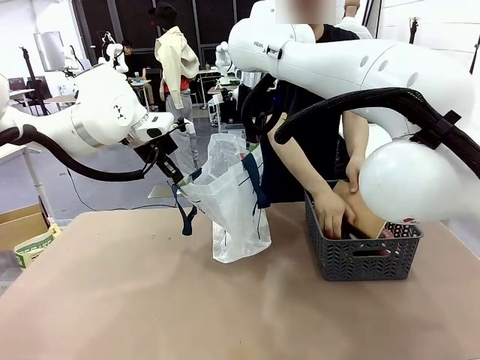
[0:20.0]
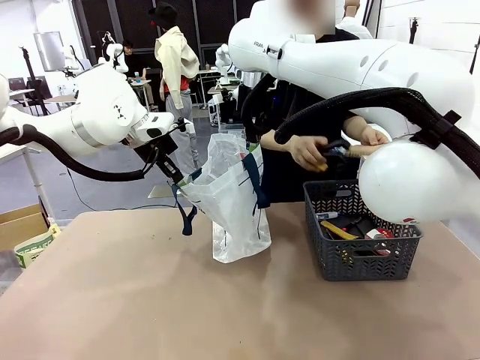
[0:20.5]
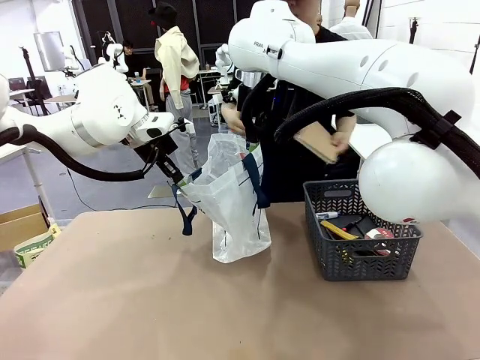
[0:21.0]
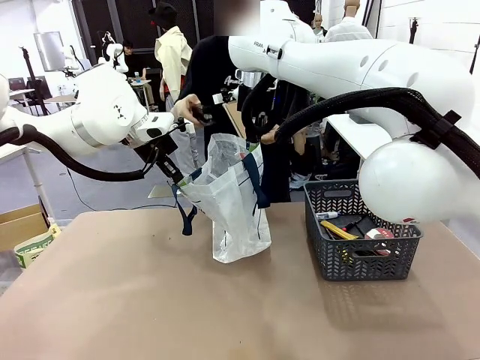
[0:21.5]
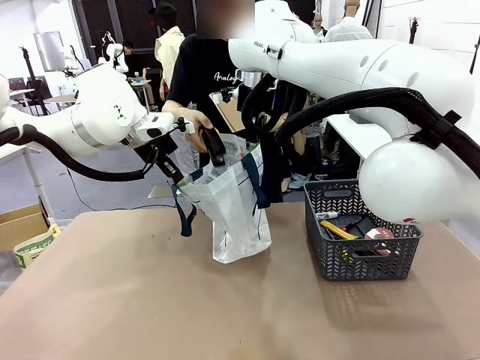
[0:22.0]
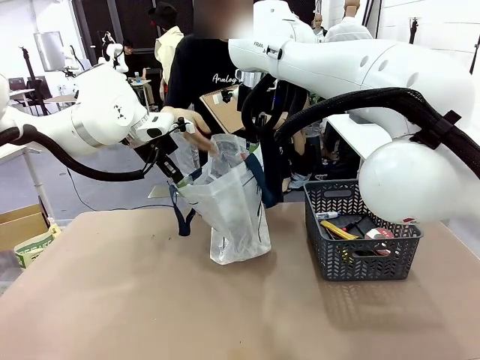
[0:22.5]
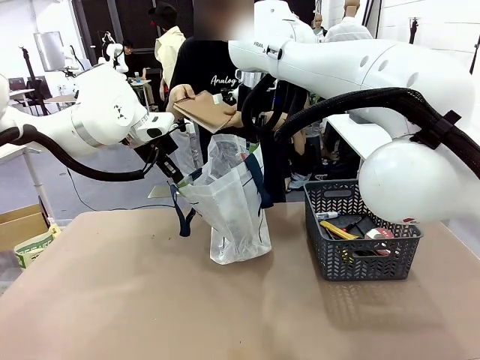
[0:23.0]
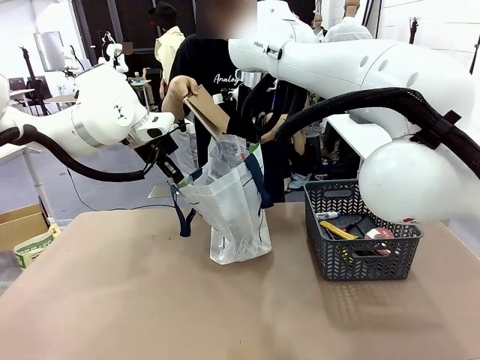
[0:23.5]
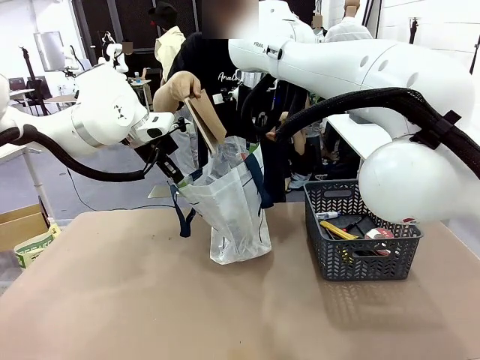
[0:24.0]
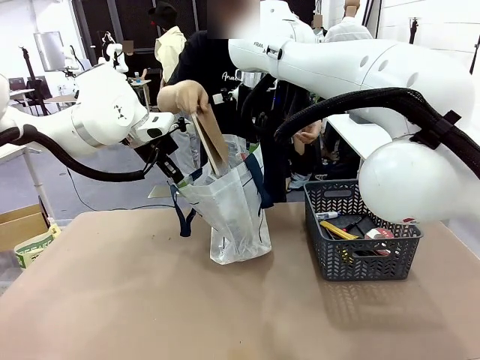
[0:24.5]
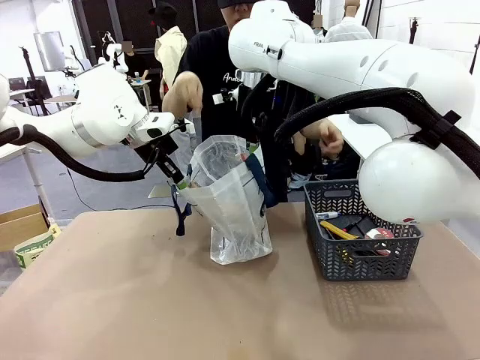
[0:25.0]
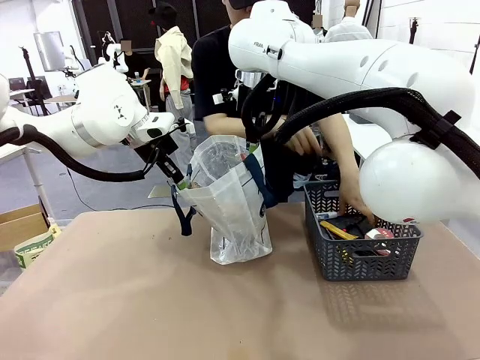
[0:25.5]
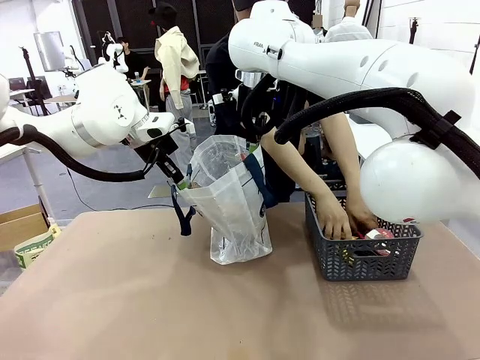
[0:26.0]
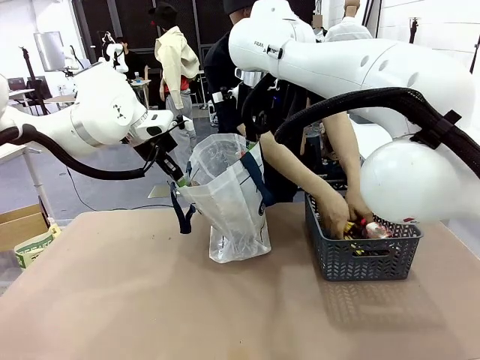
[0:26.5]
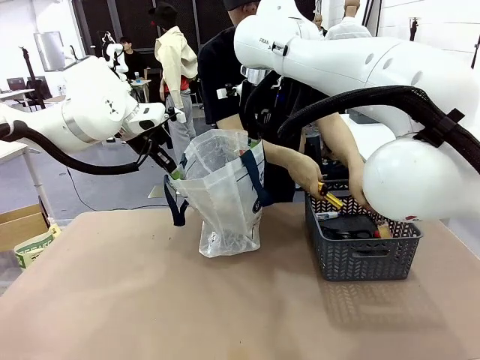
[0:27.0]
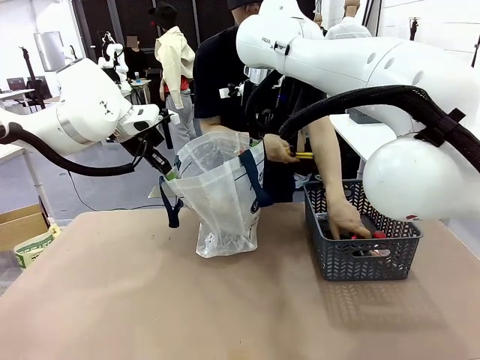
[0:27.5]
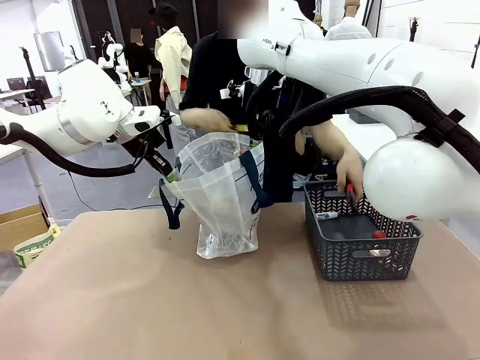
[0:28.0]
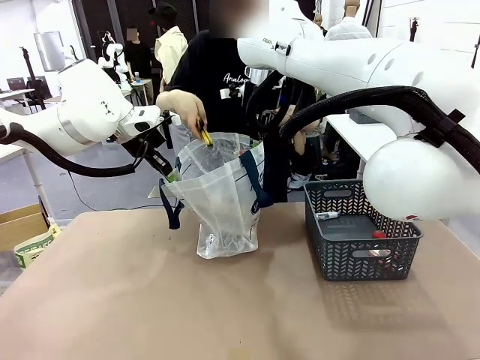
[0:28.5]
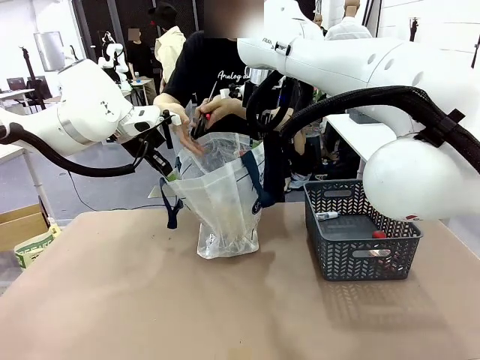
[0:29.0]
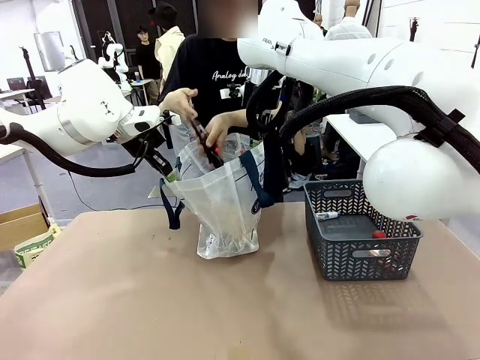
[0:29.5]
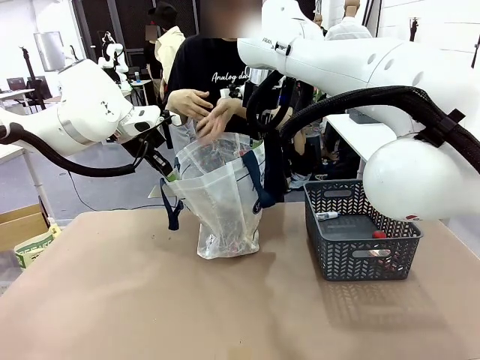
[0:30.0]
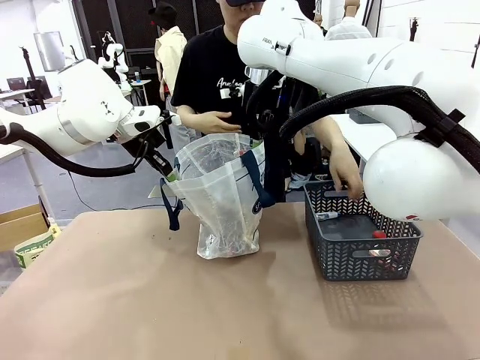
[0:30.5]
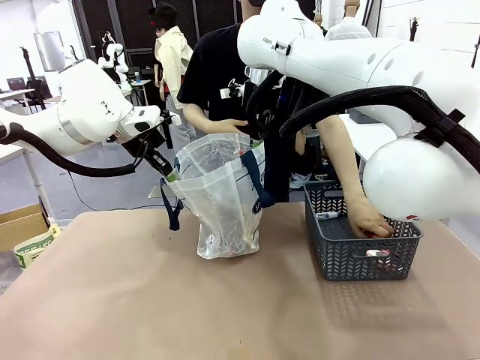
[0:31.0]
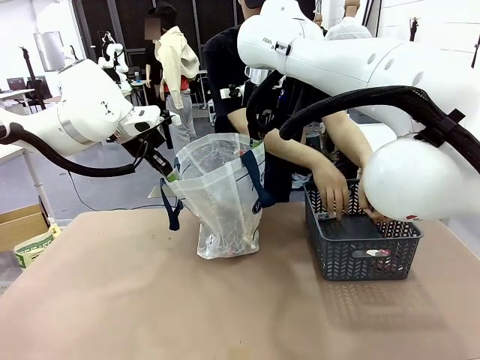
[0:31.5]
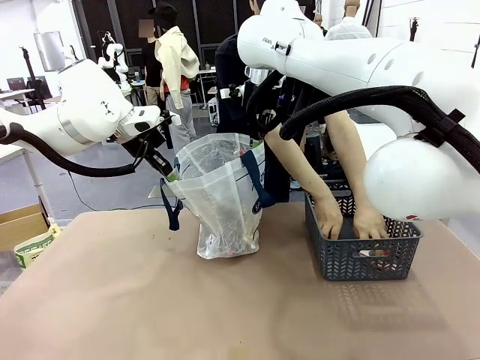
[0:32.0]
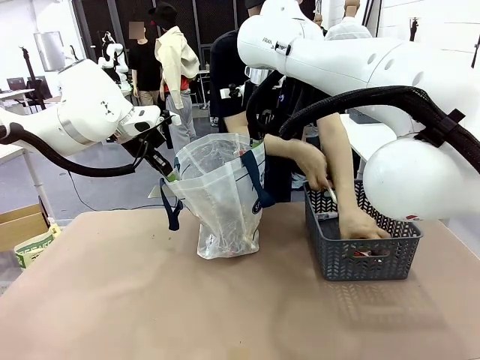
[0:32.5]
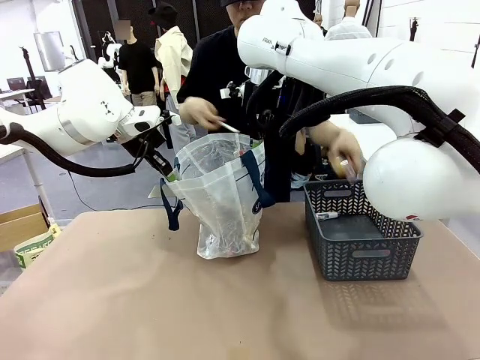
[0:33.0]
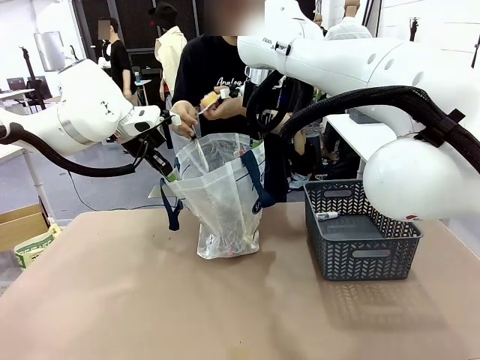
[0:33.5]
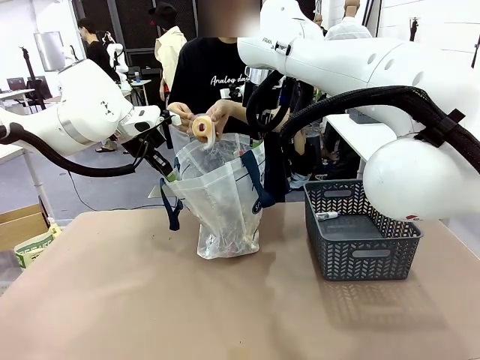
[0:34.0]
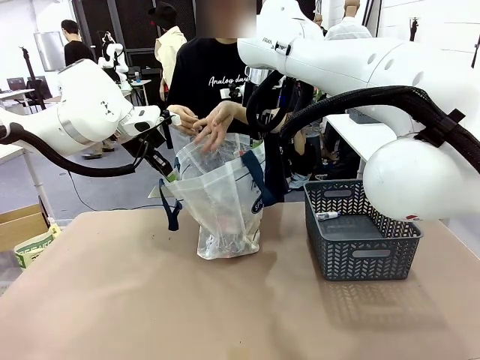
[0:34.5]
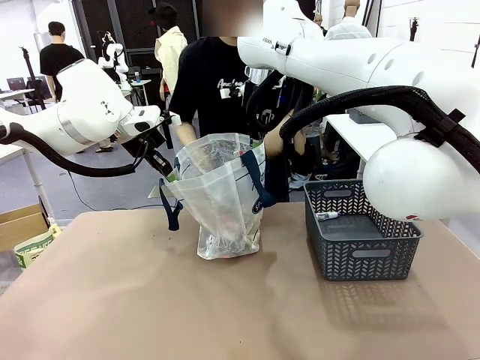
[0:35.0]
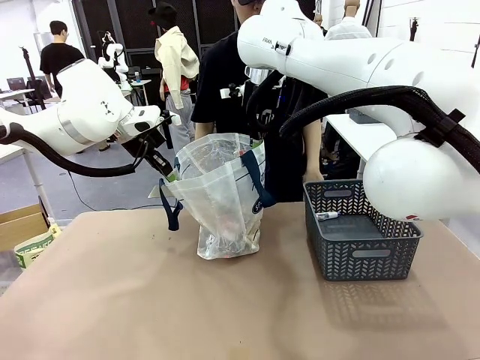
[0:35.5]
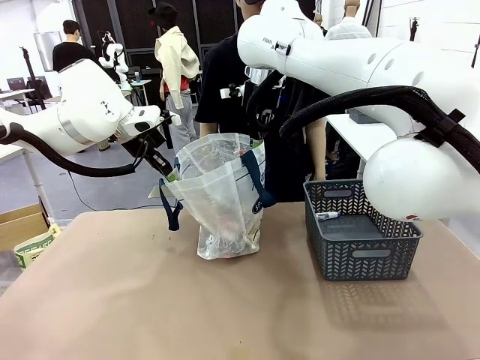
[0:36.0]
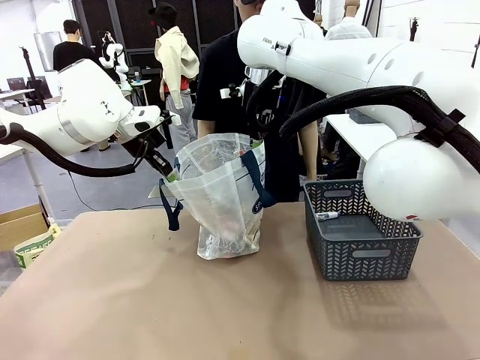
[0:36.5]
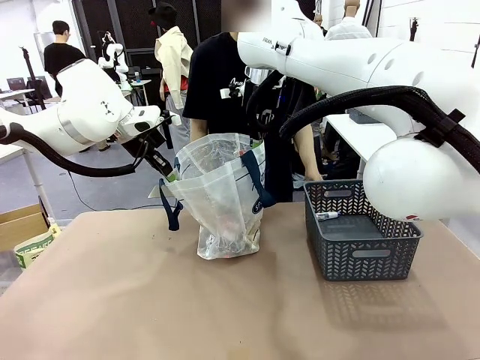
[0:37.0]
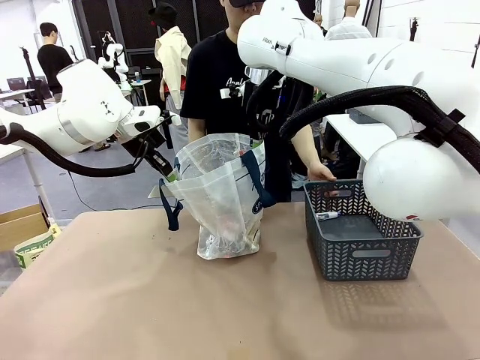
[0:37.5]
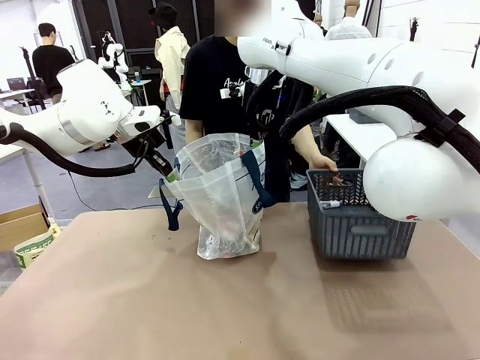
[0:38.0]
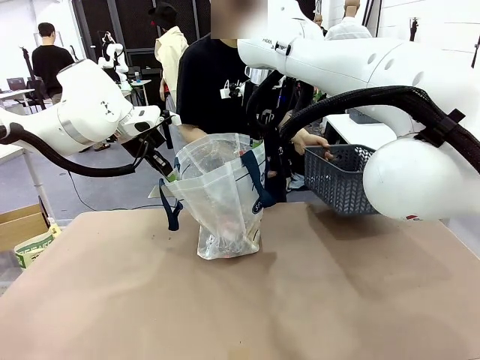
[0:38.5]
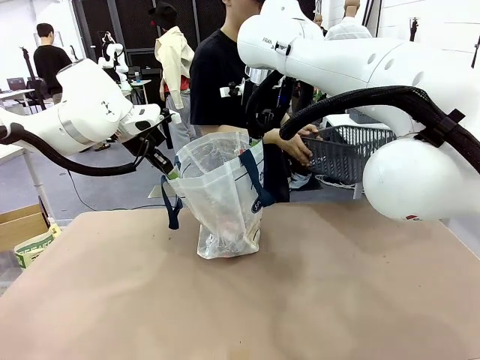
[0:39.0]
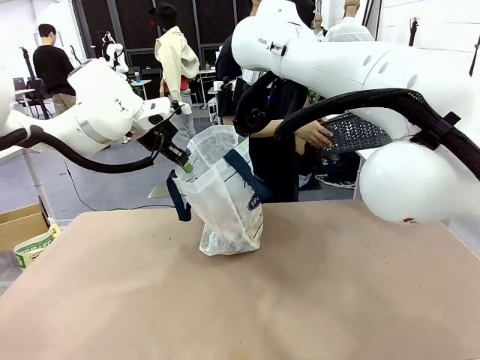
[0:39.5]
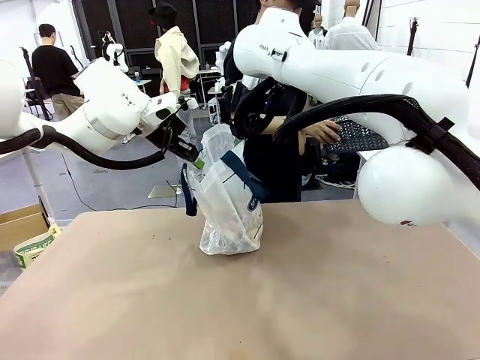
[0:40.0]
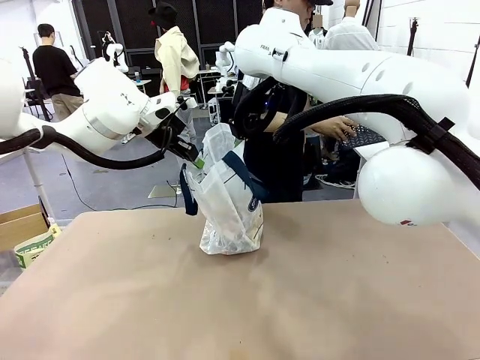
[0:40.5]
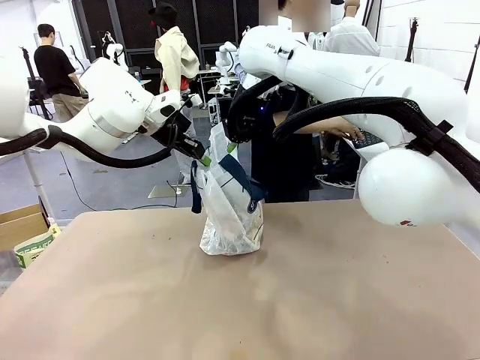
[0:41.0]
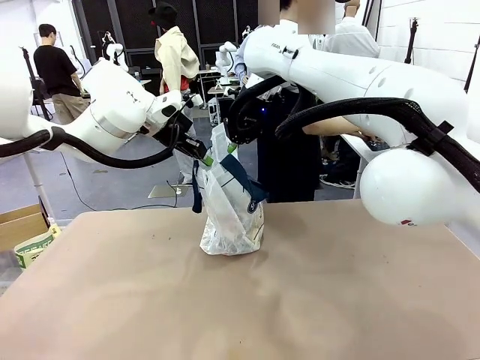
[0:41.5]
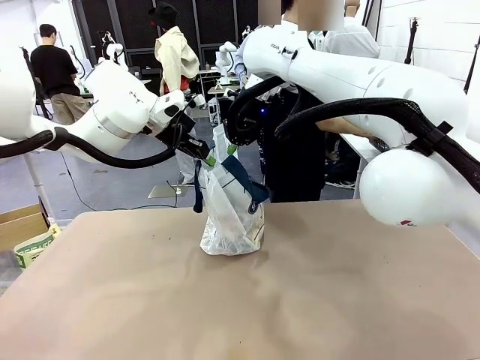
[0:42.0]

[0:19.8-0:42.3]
Task: Transfer purchased items from the store into the shopping bag.
Robot: Move the Reusable shopping bag to the right side of the table.
Person: Pick up the basket on the right, place it on the left side of the robot table, and move the items in the basket to the shopping bag. Pick up the basket with the items out and place it on the right side of the human table.
